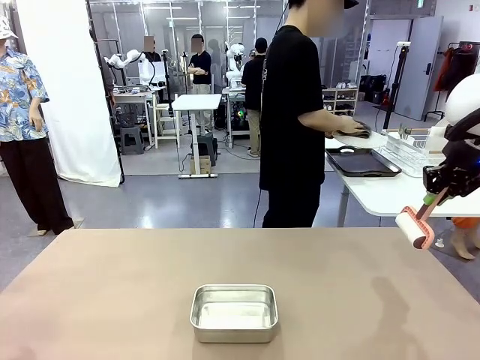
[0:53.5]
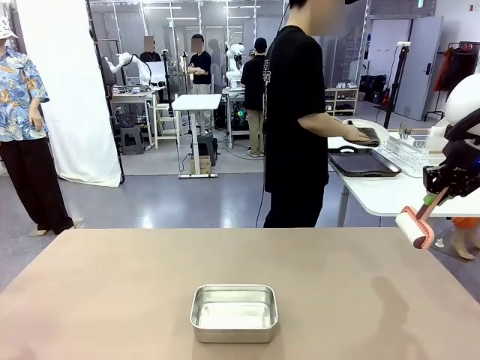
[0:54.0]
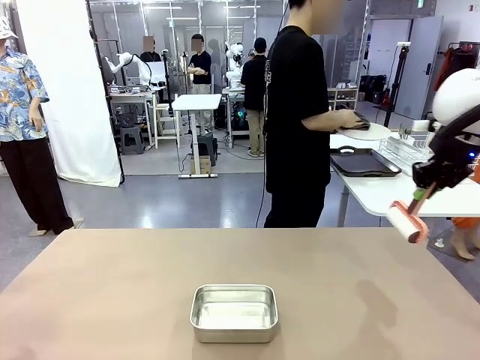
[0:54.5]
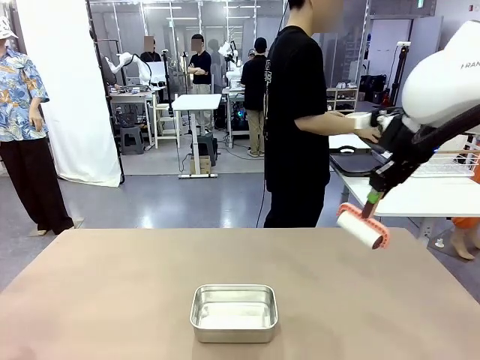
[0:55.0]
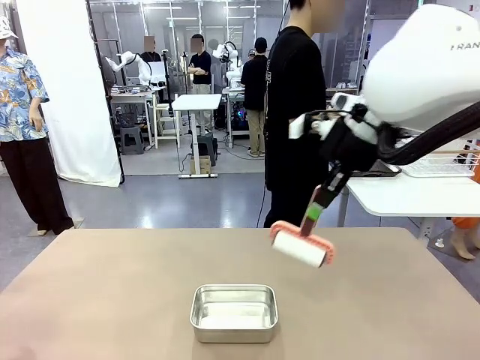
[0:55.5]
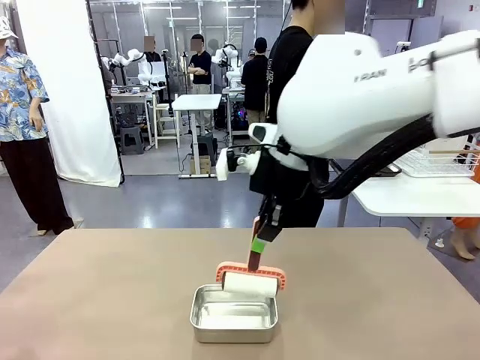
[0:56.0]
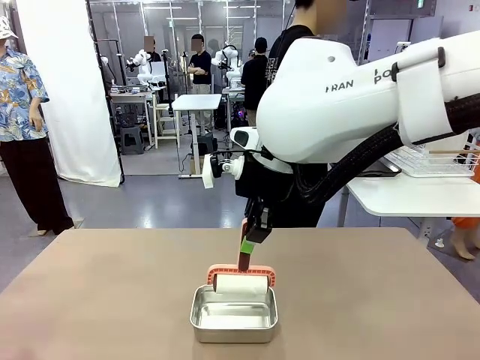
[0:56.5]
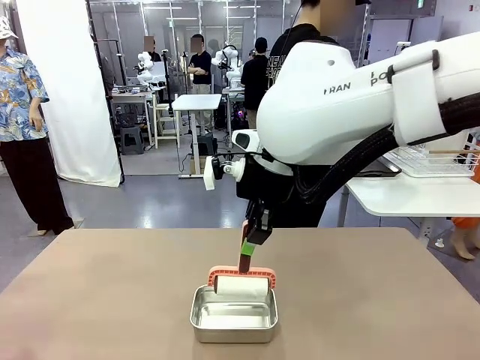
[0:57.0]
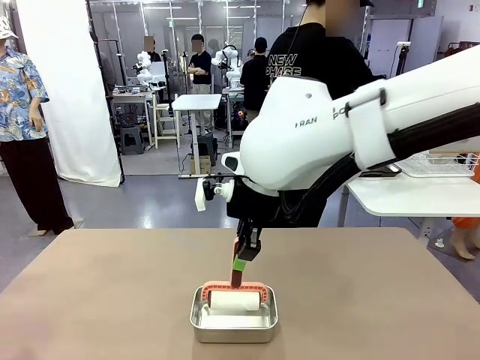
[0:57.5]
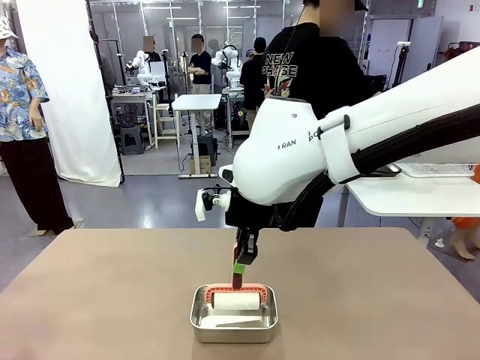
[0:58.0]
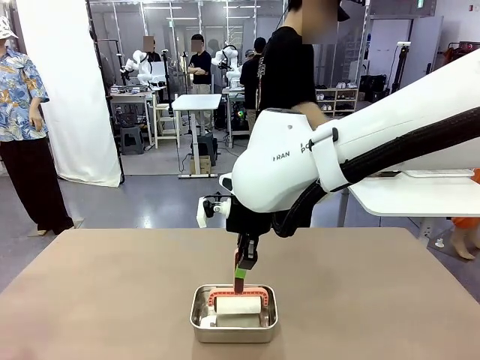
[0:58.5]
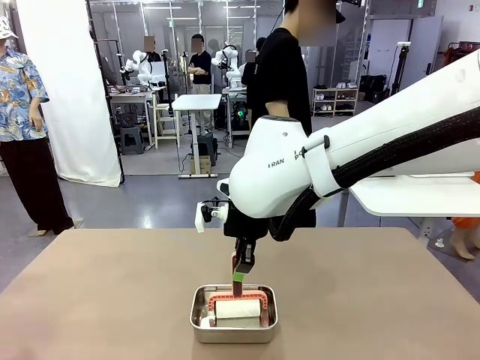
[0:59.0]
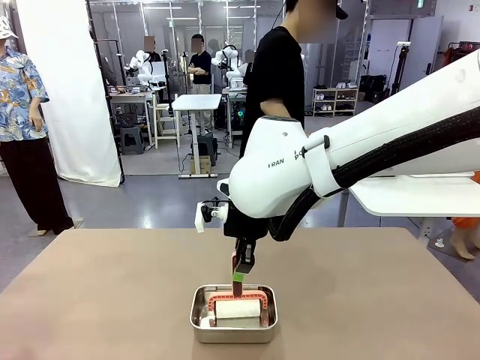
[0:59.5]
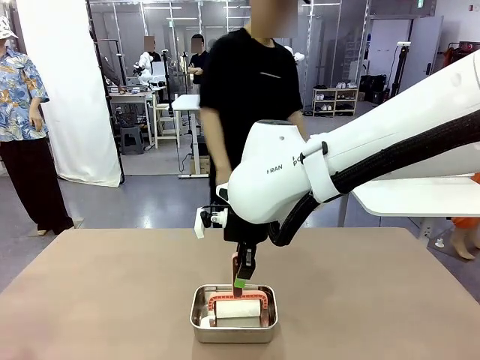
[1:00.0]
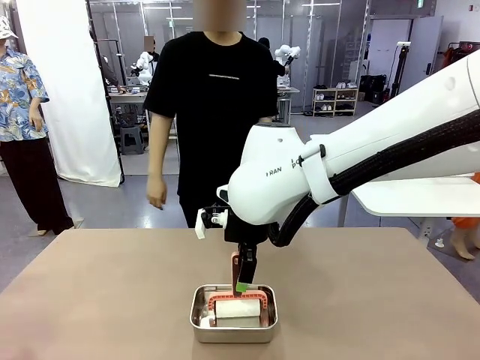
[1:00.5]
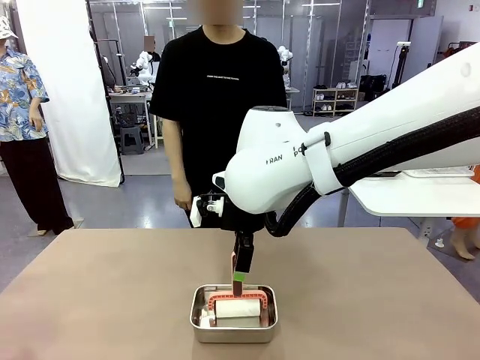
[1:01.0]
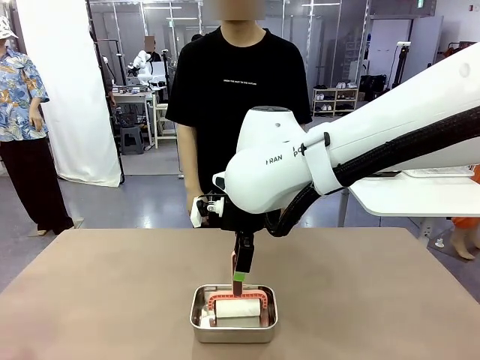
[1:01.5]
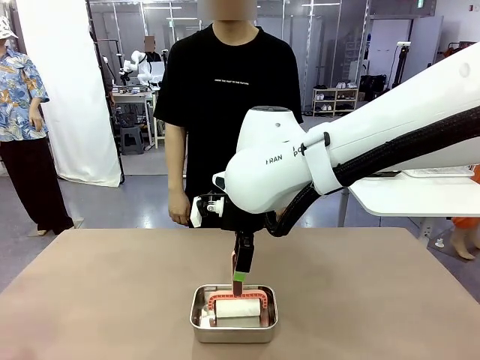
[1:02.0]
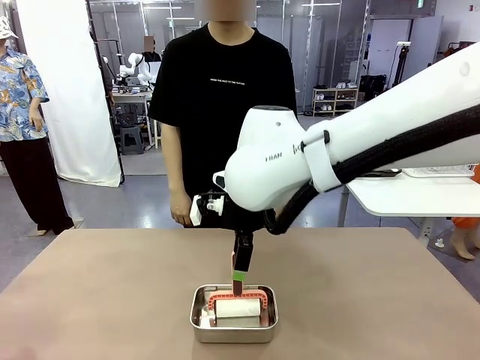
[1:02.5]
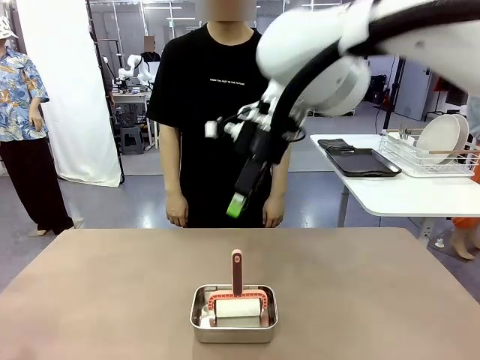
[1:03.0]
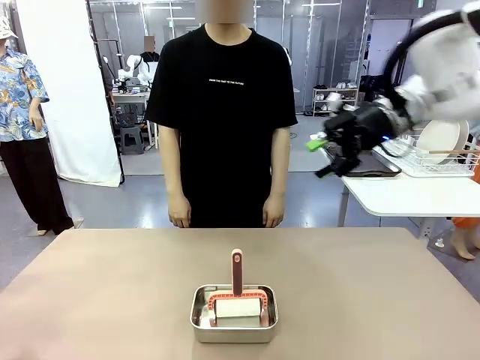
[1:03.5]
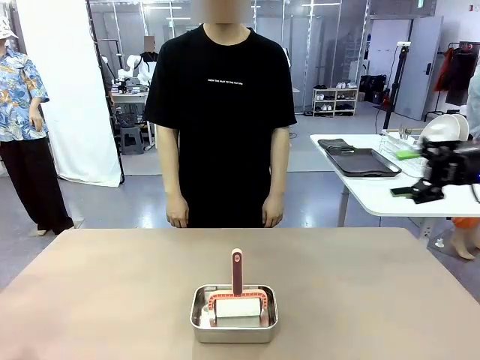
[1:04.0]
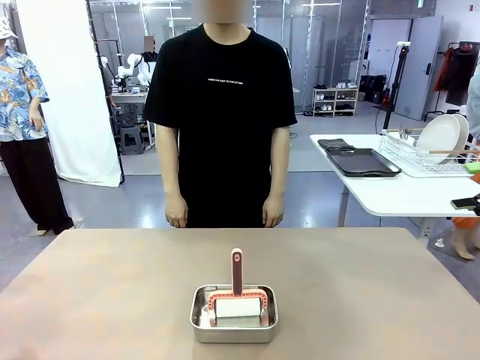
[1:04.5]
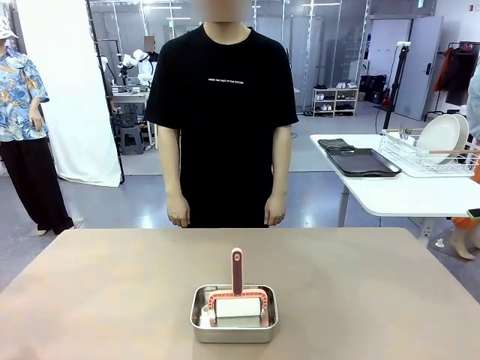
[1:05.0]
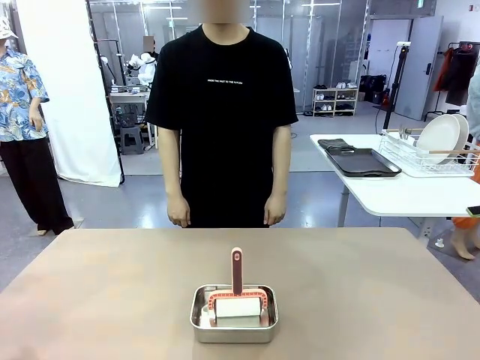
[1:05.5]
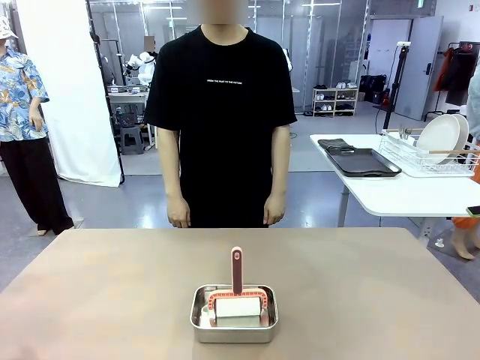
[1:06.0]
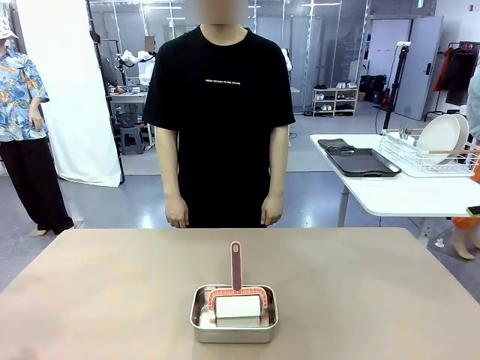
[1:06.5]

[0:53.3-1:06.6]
Robot: Place the Lint Roller back on top of the Airtight Container.

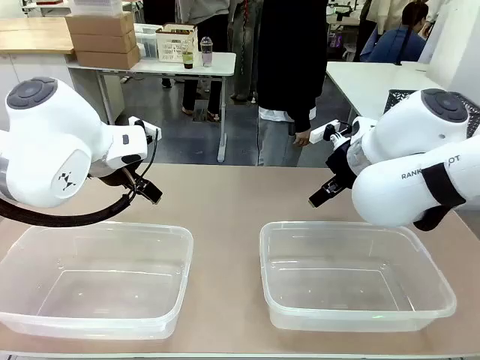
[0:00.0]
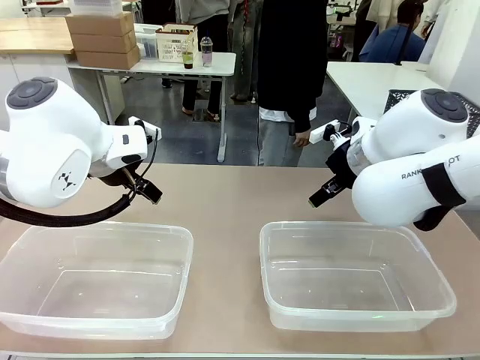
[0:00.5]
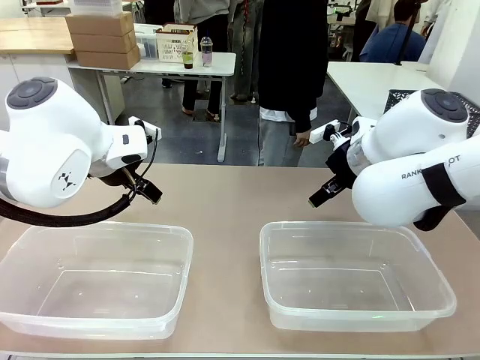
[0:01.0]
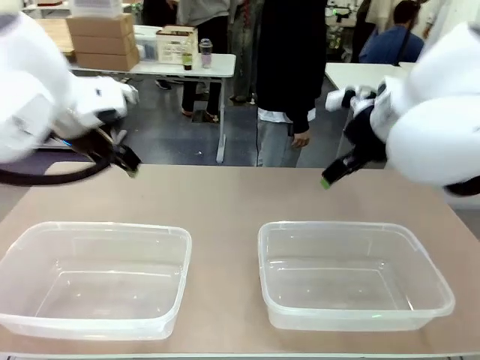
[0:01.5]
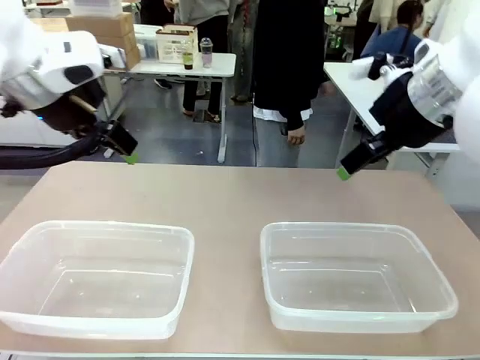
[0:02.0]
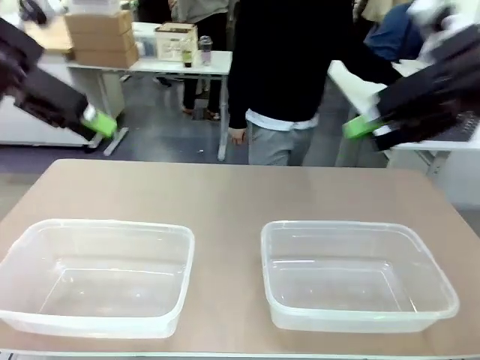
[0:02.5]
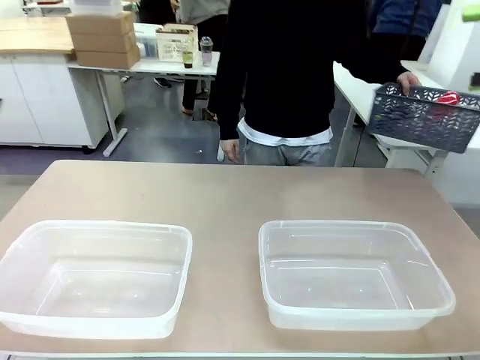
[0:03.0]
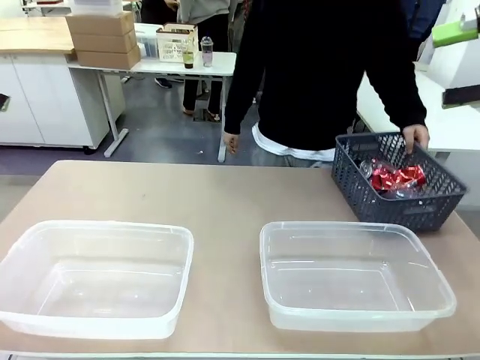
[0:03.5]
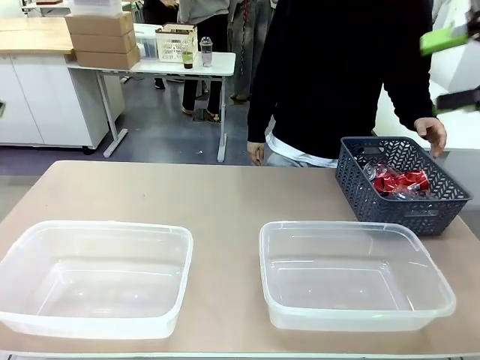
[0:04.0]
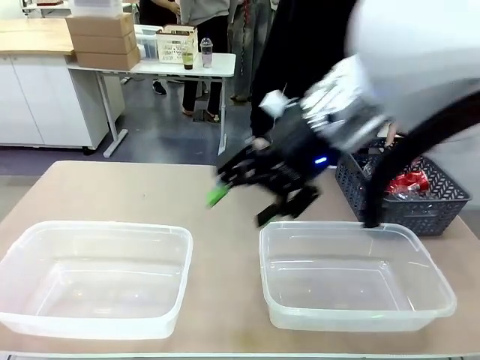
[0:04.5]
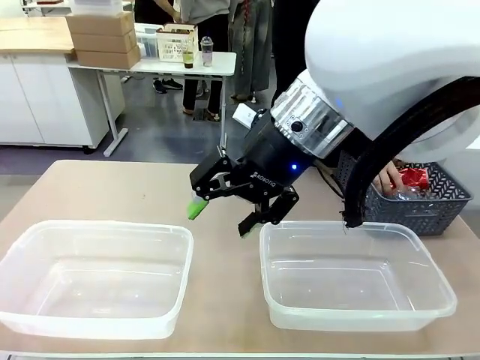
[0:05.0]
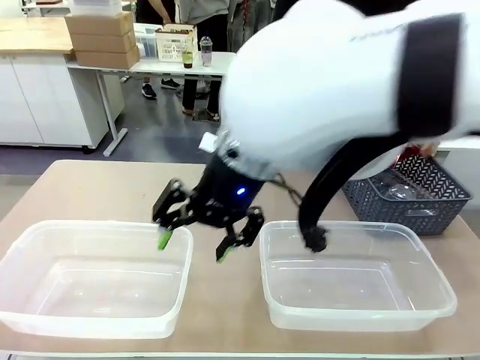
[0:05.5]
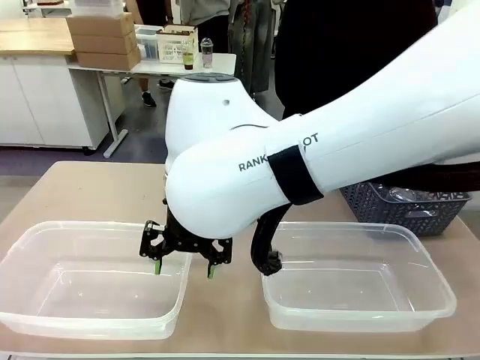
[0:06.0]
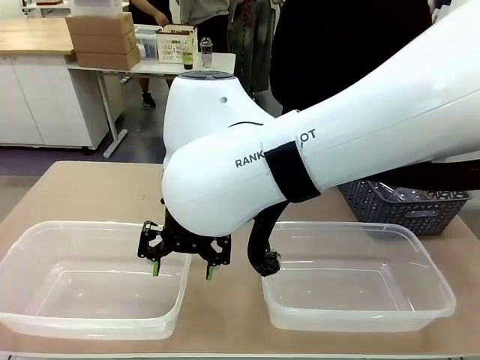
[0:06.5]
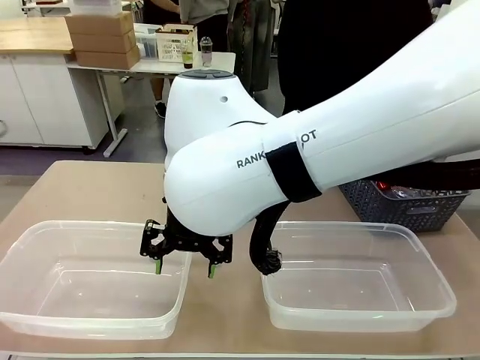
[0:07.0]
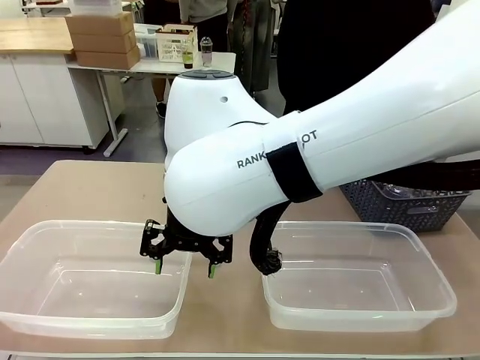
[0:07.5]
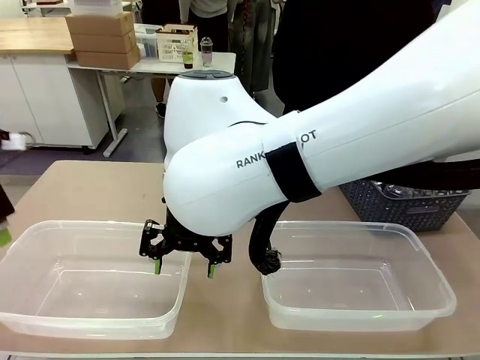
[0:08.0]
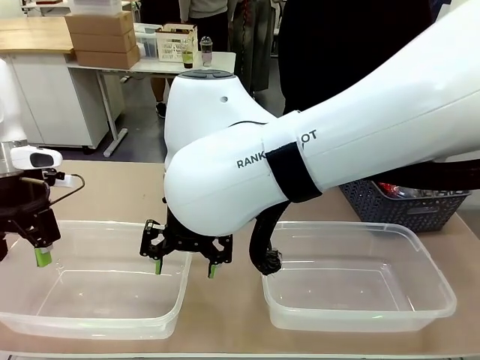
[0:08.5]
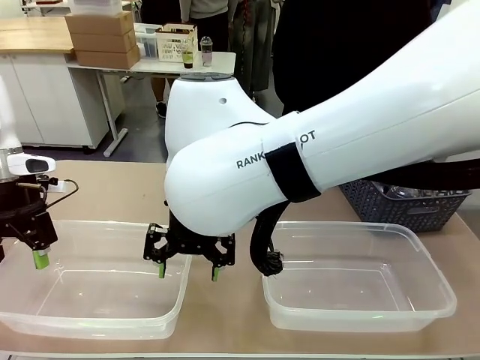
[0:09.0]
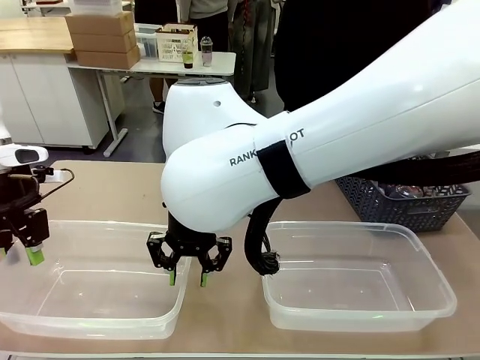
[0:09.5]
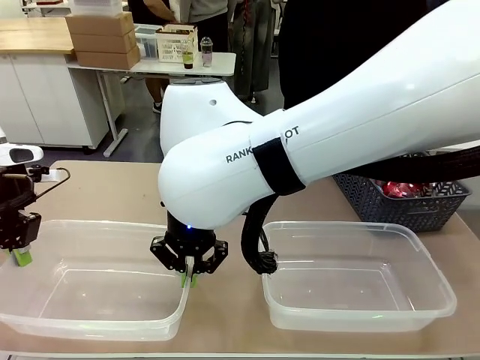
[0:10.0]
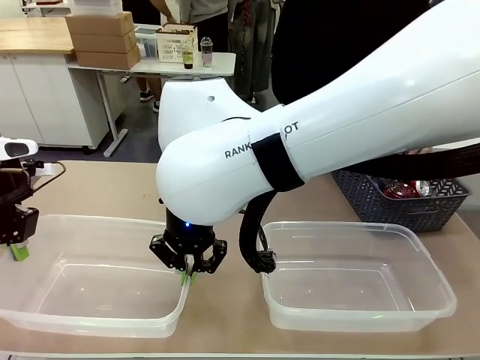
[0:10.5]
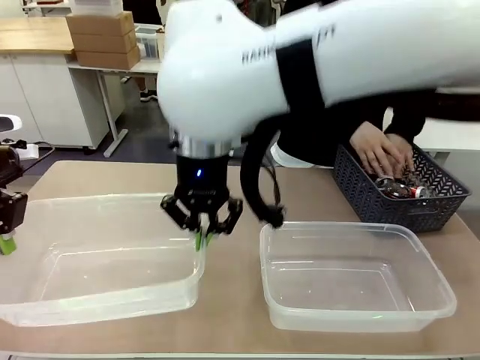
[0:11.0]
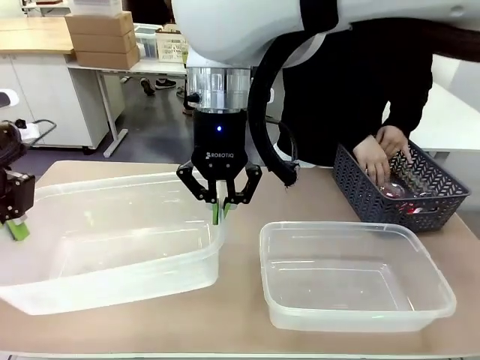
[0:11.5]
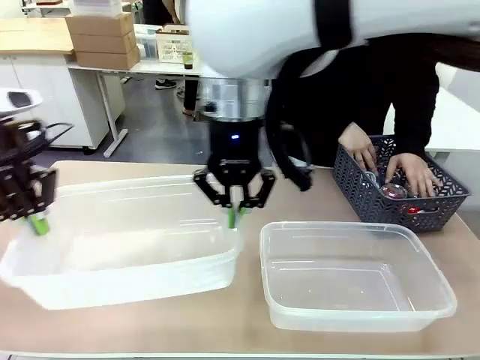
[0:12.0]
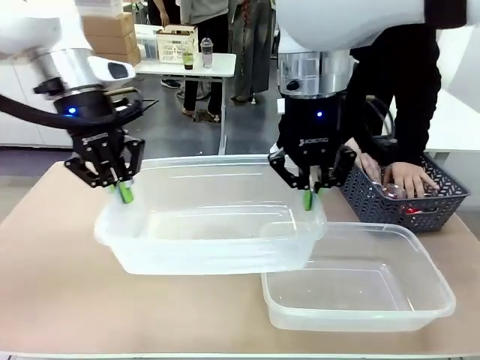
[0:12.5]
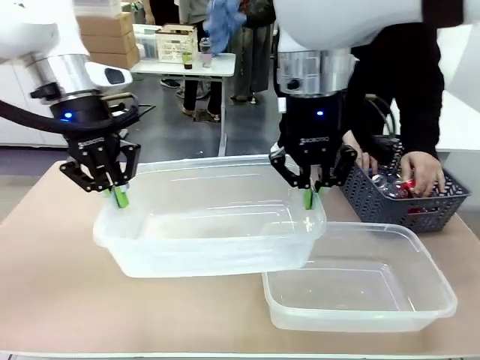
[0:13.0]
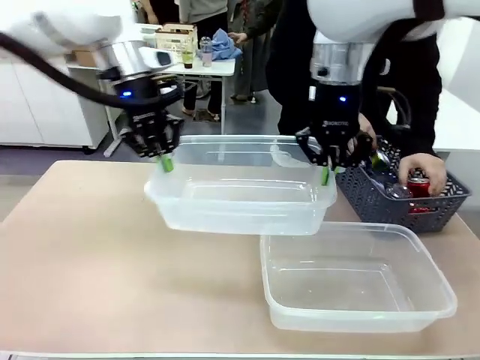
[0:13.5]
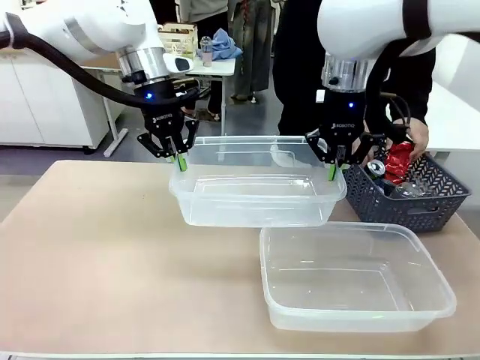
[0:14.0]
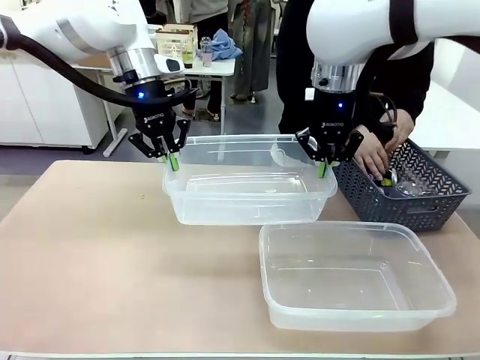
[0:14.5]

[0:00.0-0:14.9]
Robot: Pick up the Organizing box on the left side of the table and lift it.
Person: Pick up the storage basket and place it on the left side of the robot table. Pick up can-shaped waste one by one and place it into the organizing box lifted by the robot.
